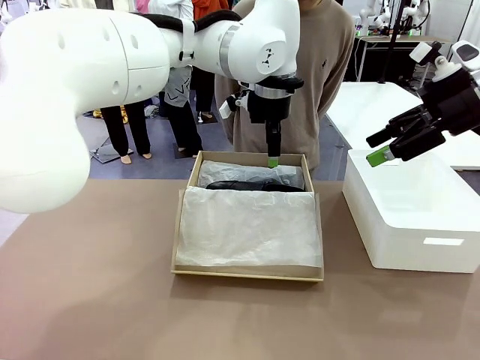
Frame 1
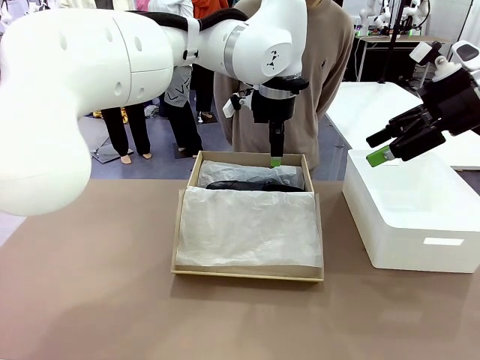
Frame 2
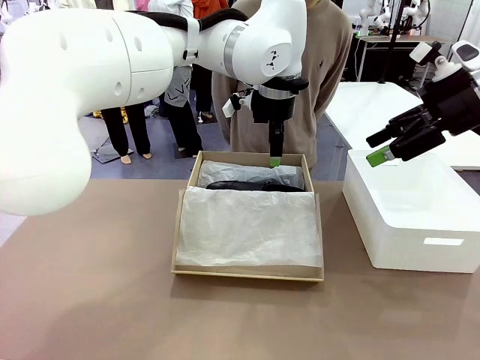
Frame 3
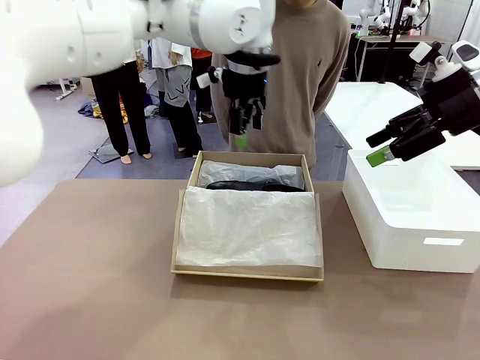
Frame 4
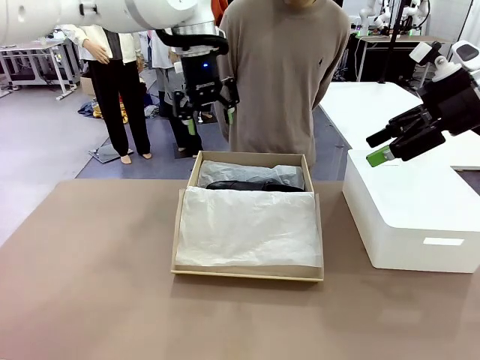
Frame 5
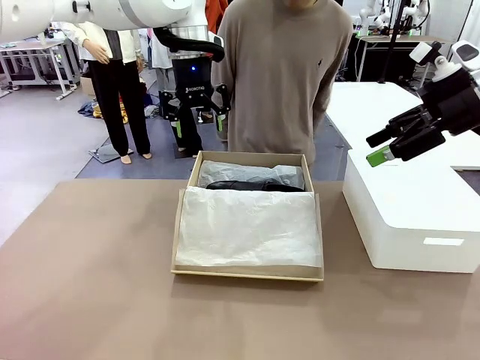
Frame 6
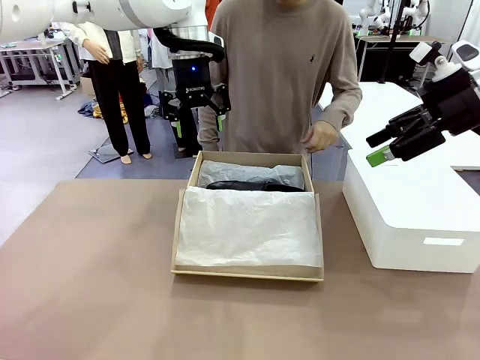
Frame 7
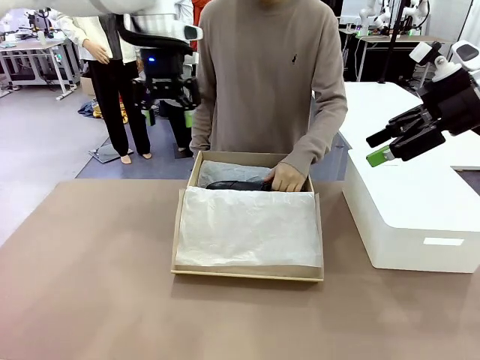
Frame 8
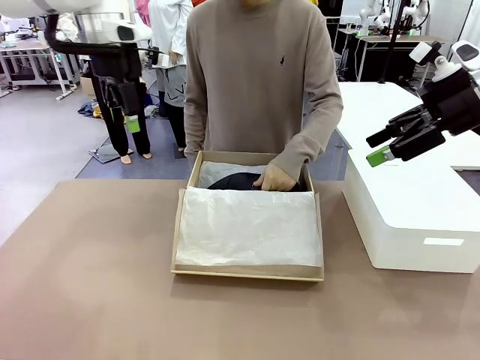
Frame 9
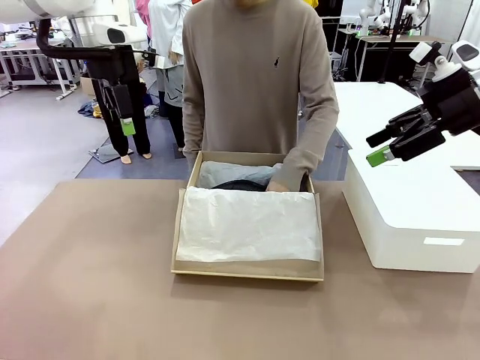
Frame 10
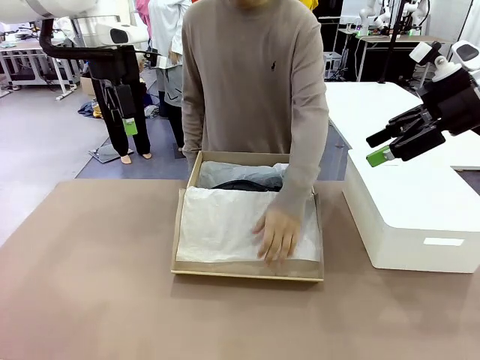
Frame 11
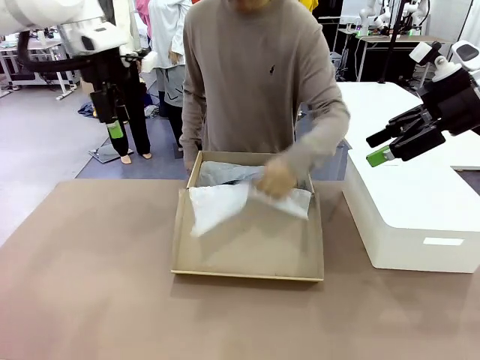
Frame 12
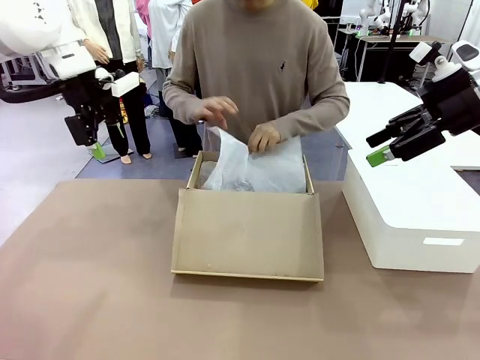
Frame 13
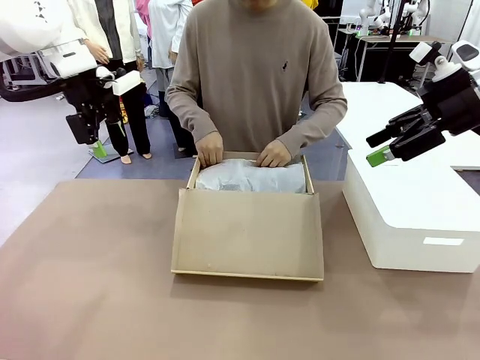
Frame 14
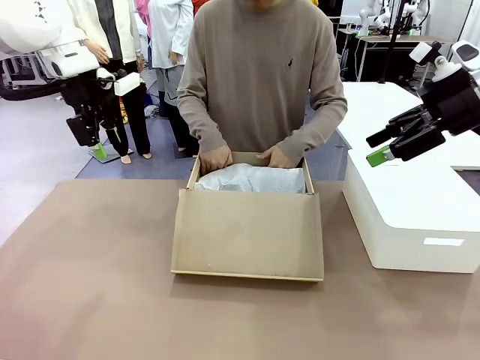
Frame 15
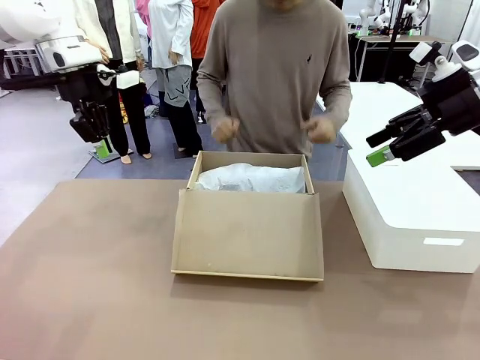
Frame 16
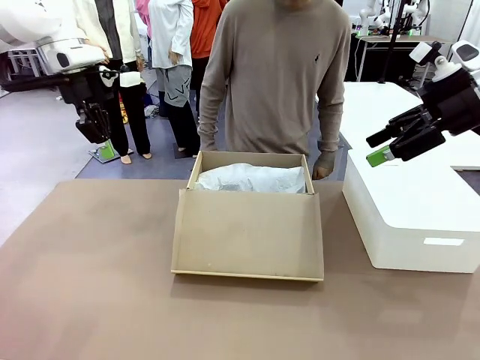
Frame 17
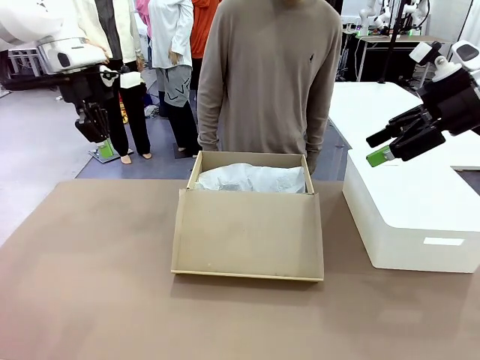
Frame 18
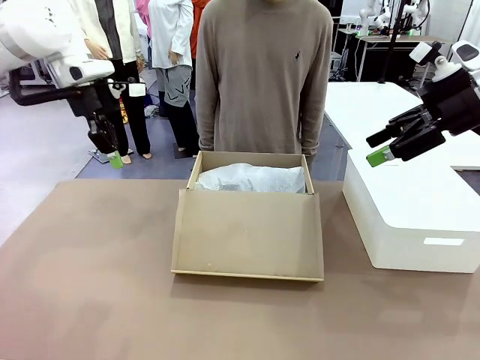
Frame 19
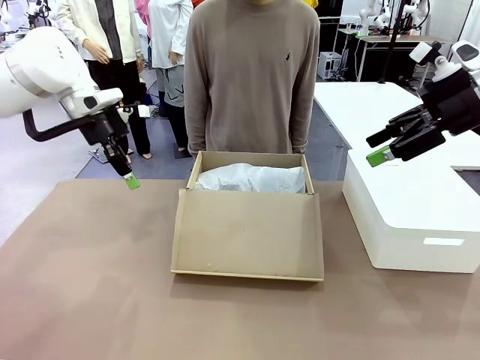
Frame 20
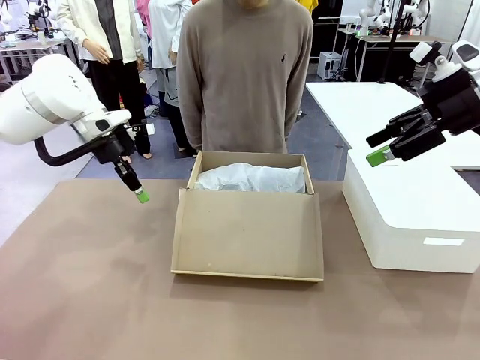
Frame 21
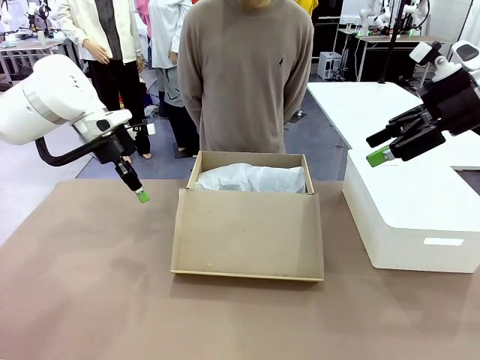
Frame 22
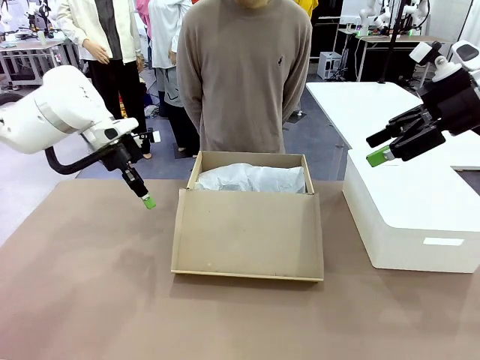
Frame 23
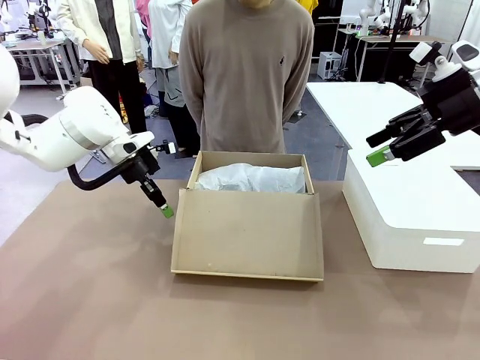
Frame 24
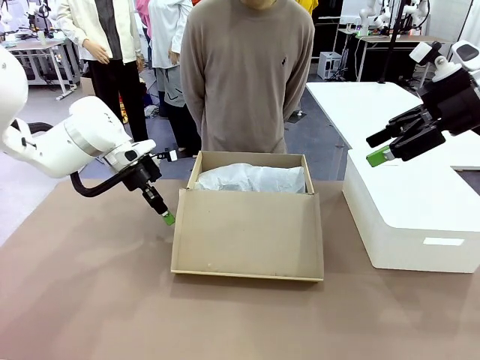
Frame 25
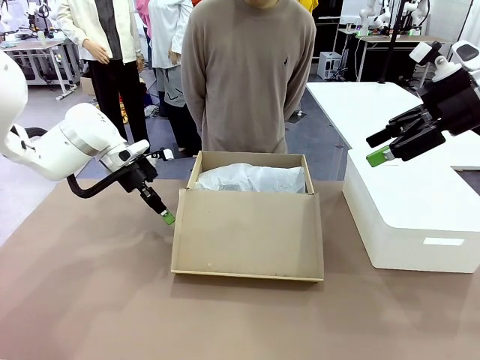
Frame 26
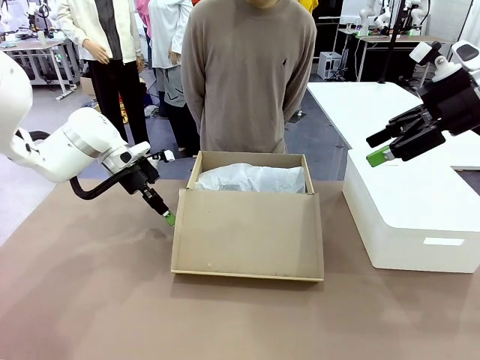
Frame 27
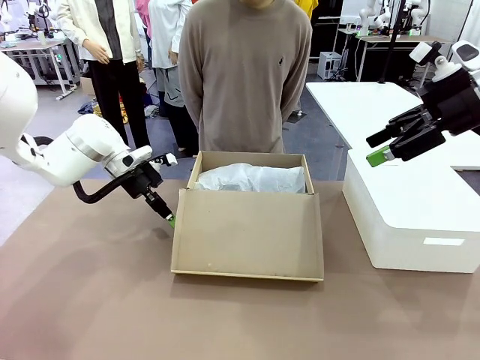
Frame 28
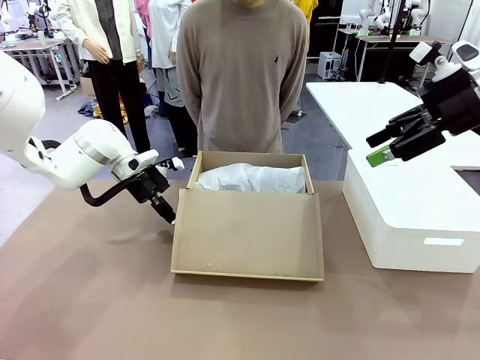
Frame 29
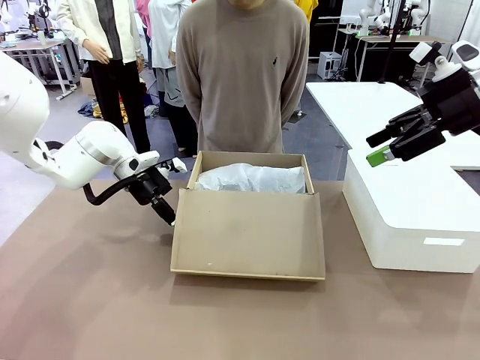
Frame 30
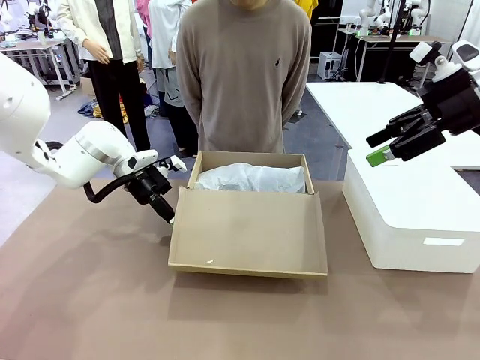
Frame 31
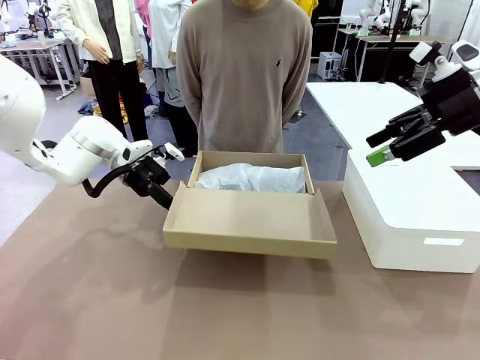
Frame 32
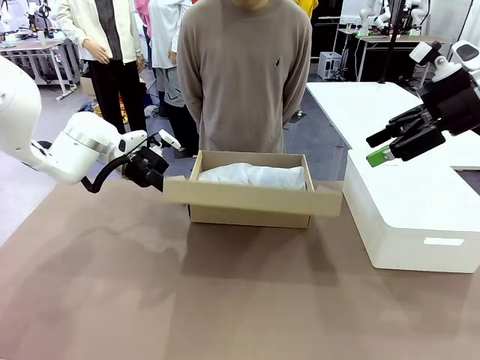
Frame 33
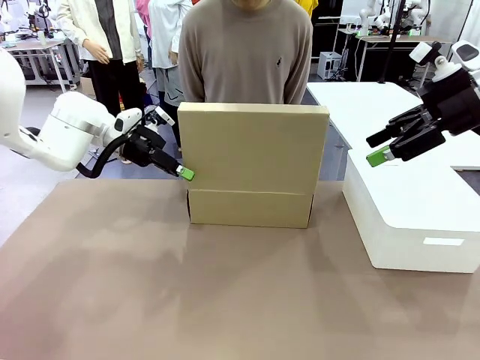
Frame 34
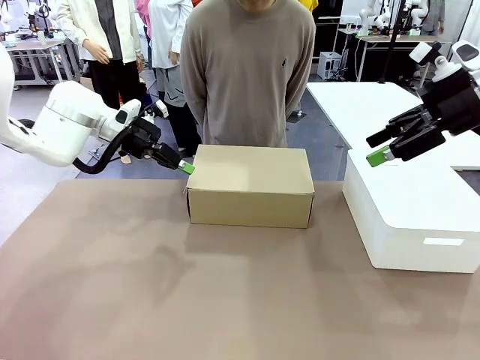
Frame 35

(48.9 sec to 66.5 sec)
Task: Pack the shoes into the box.
Robot: Close the Shoes Box.
